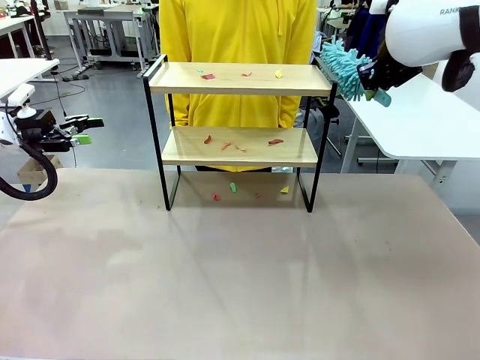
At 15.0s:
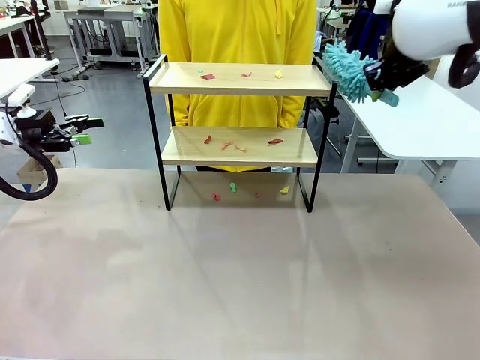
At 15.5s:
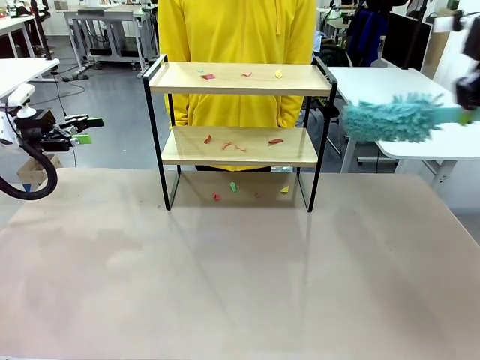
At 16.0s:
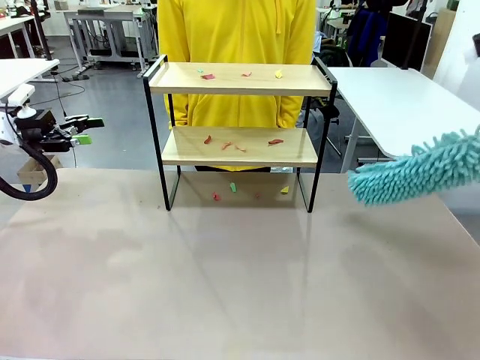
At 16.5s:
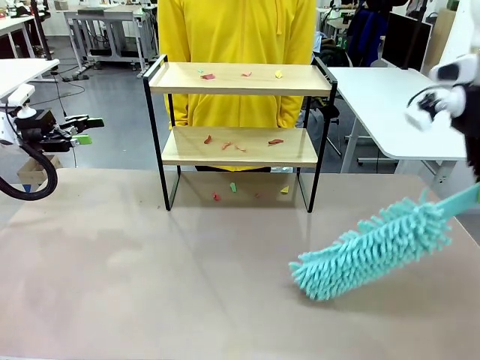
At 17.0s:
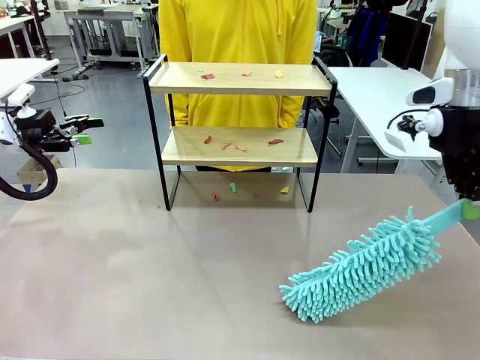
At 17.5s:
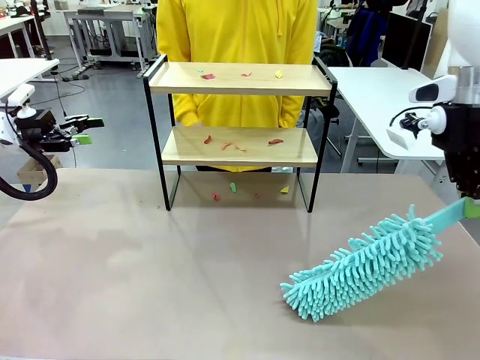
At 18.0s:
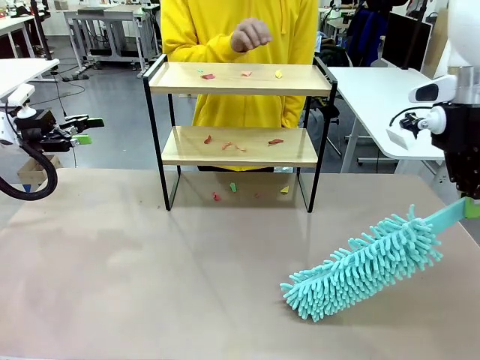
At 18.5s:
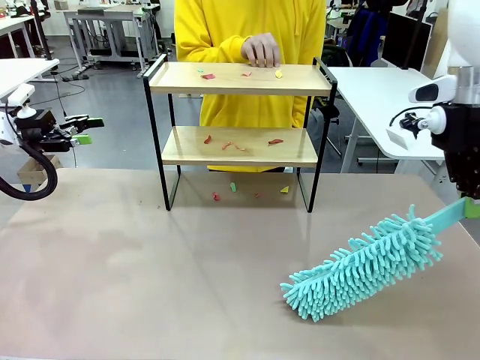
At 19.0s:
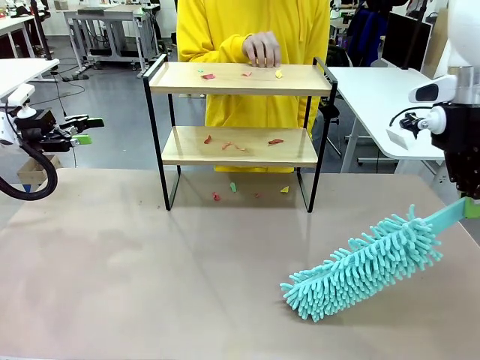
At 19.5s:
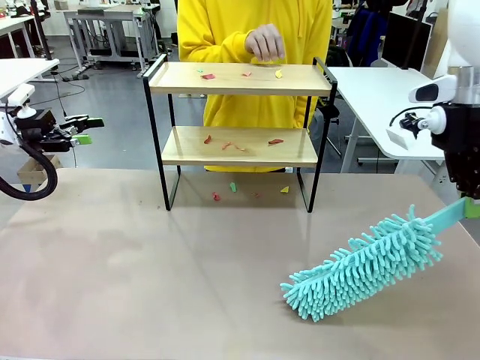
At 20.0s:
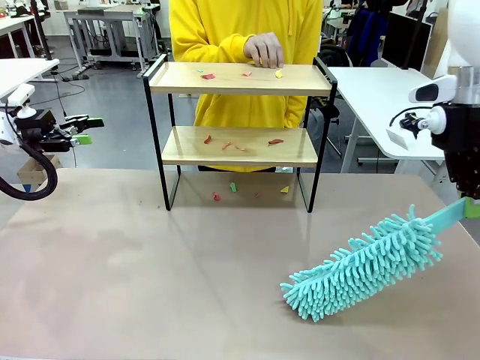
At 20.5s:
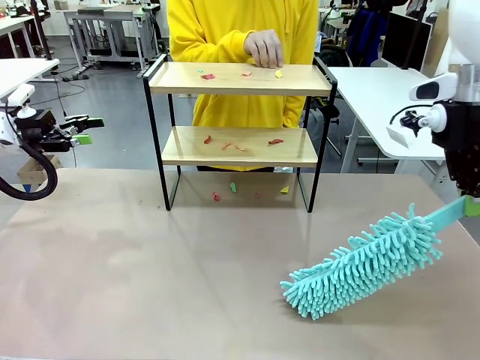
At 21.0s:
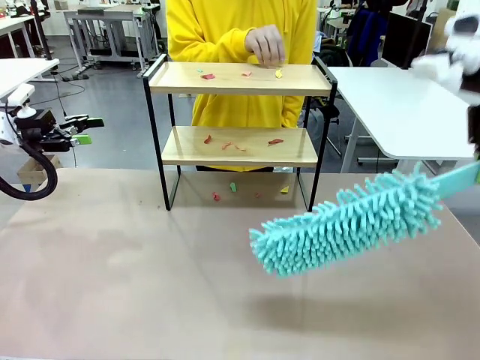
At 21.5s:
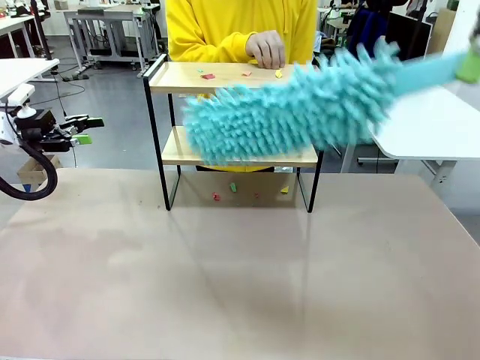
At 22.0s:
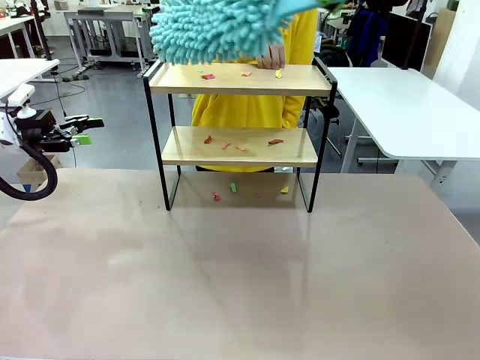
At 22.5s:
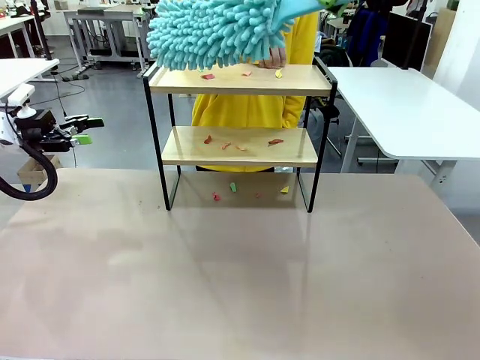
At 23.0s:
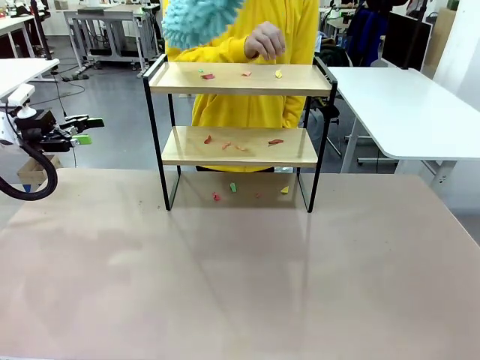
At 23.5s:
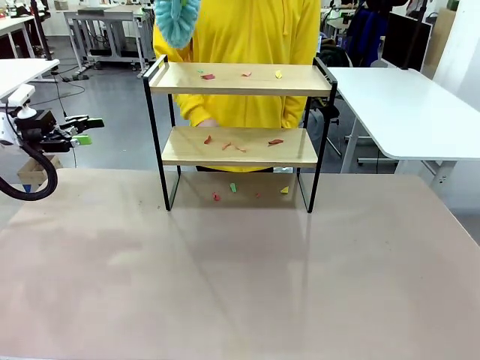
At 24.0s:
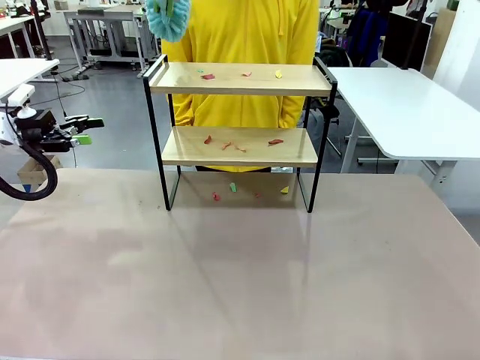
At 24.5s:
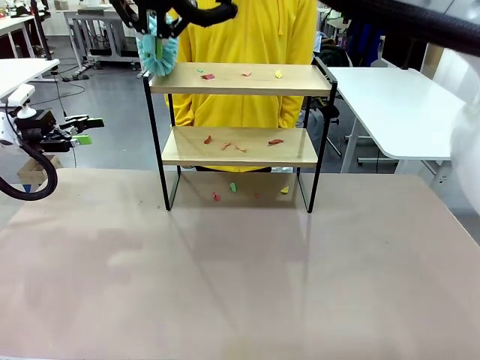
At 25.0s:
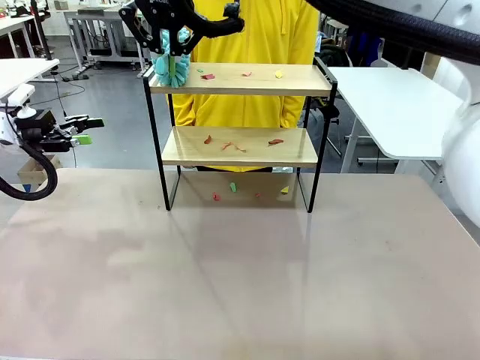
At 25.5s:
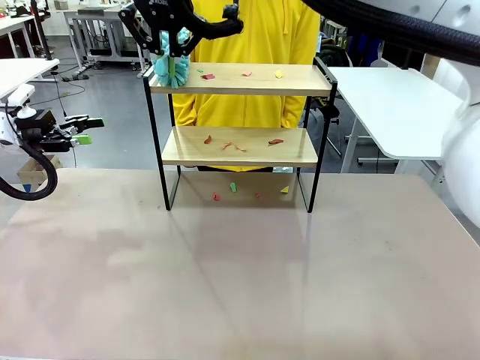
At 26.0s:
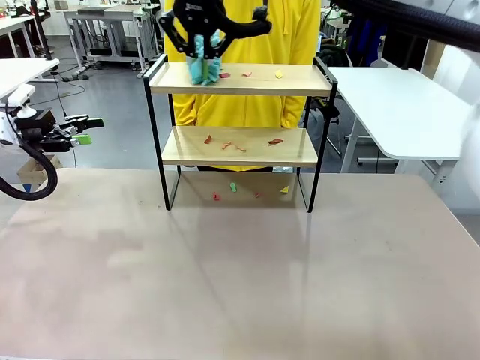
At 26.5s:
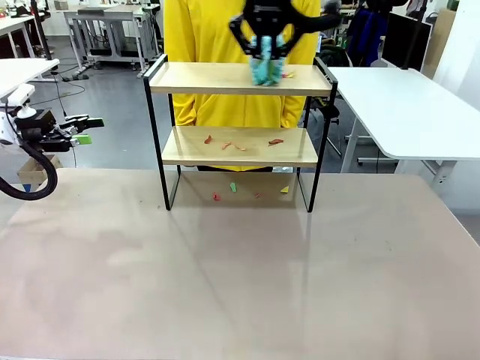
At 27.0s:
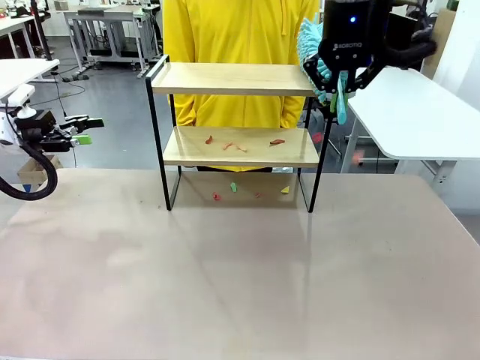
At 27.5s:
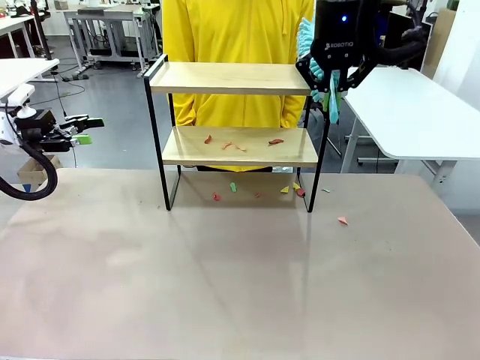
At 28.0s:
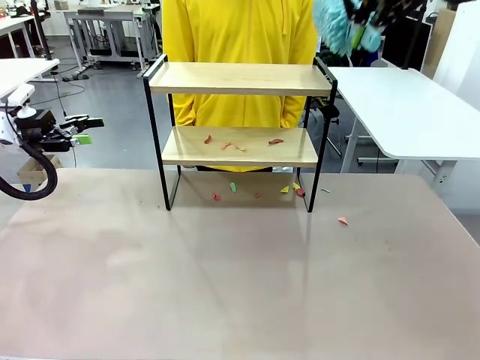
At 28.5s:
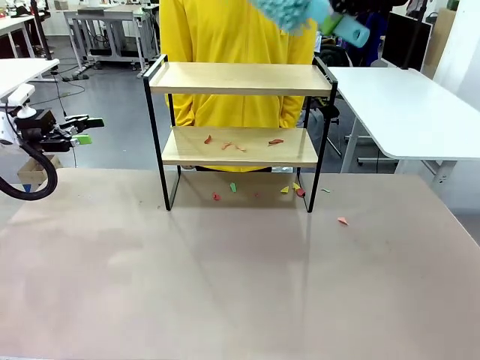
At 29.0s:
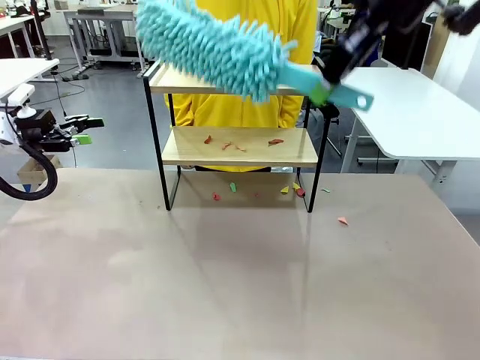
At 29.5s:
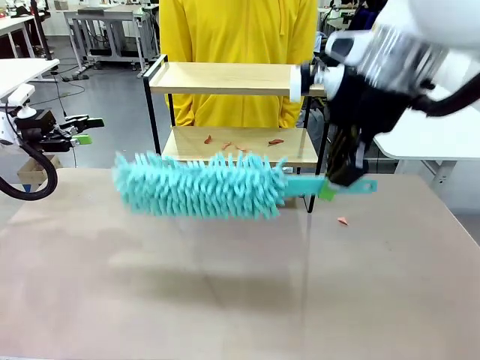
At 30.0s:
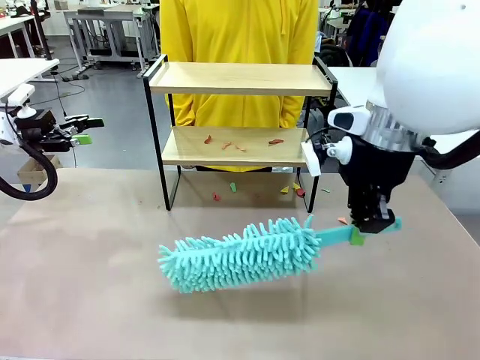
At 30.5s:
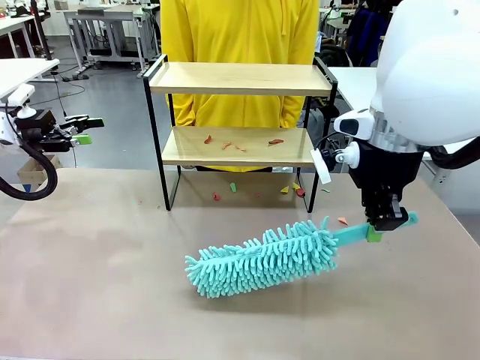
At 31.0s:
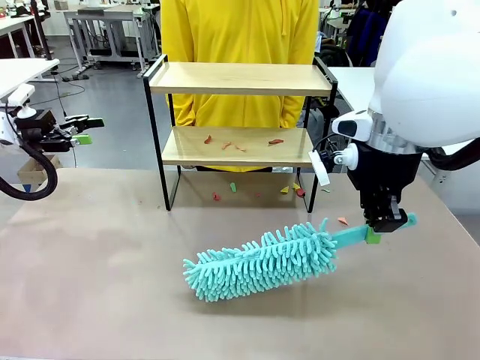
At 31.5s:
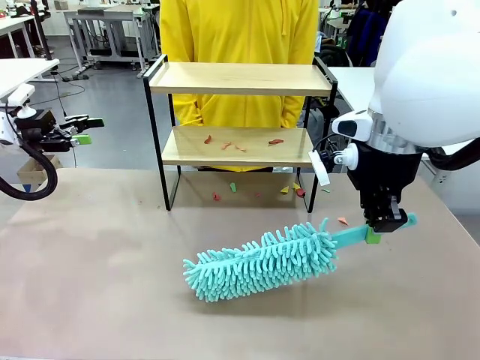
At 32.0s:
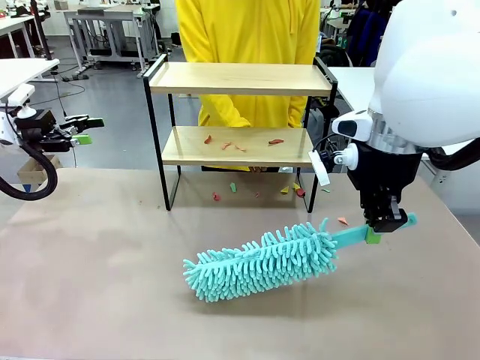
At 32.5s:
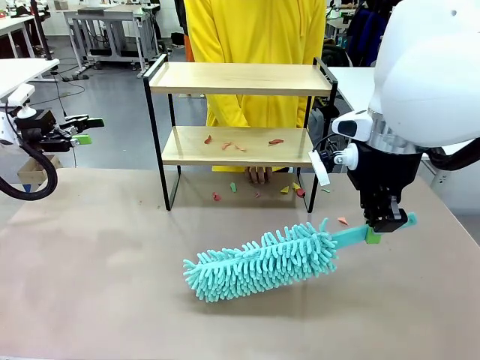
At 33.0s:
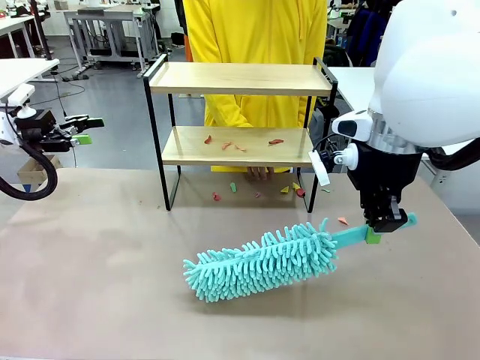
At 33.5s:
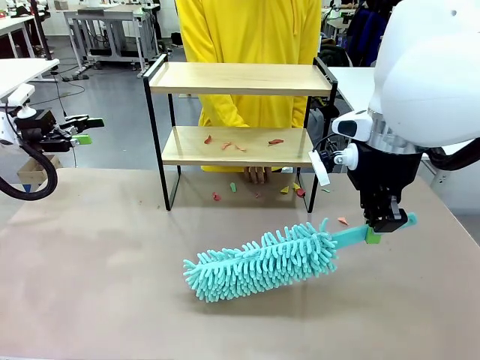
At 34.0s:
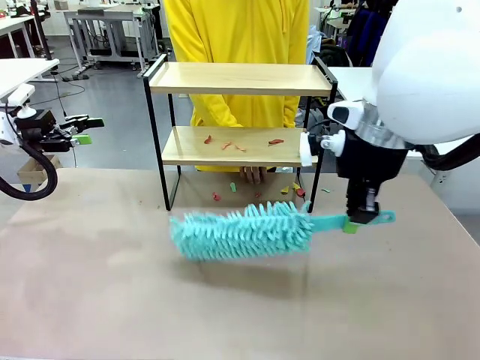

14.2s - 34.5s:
Task: Clean the shelf.
Robot: Clean the specific section of the Shelf indicated by the human with the Duster.
Person: Point a random section of the Shelf.

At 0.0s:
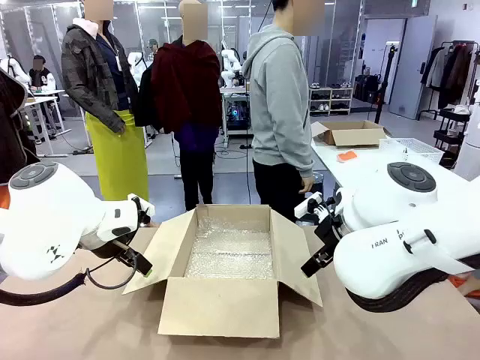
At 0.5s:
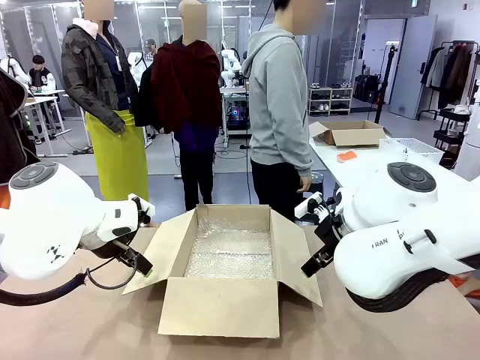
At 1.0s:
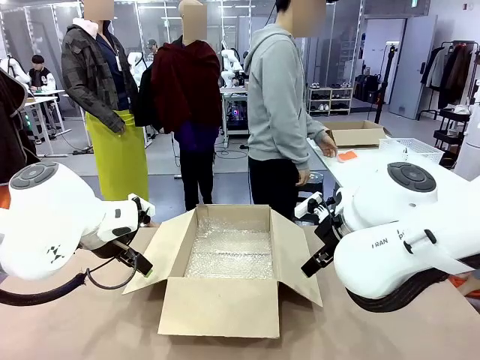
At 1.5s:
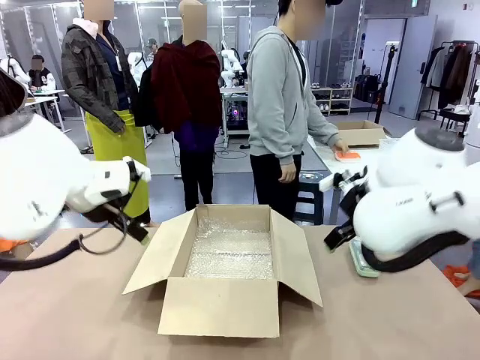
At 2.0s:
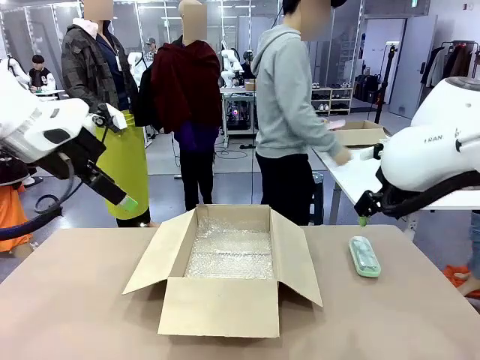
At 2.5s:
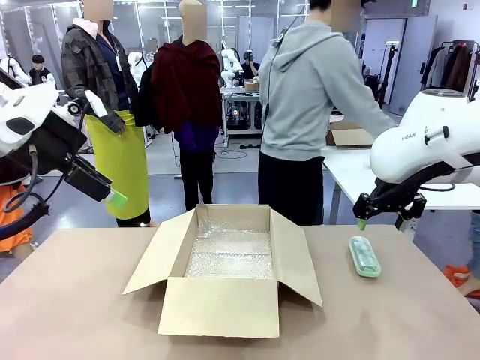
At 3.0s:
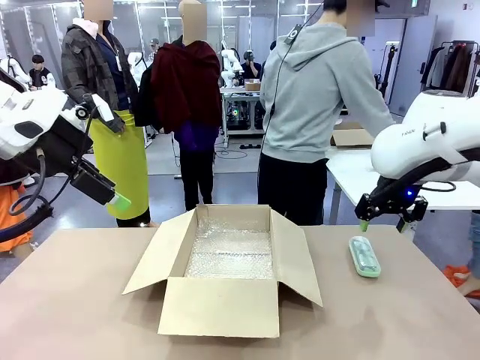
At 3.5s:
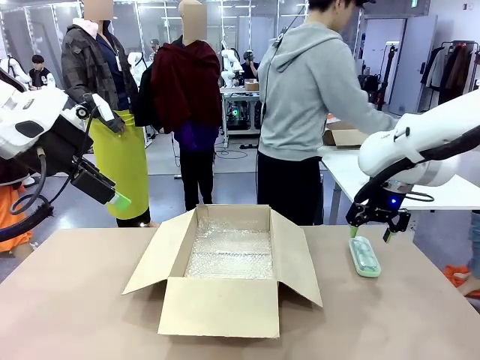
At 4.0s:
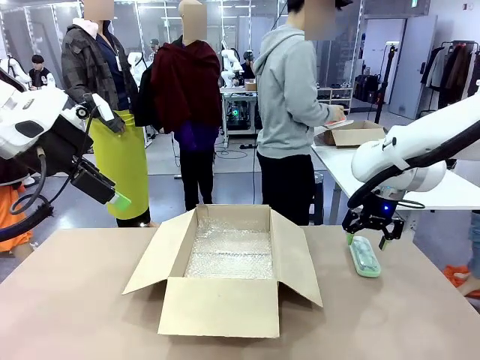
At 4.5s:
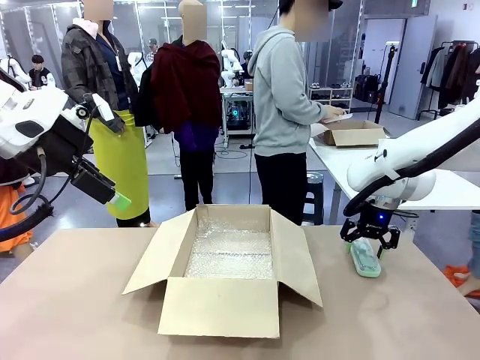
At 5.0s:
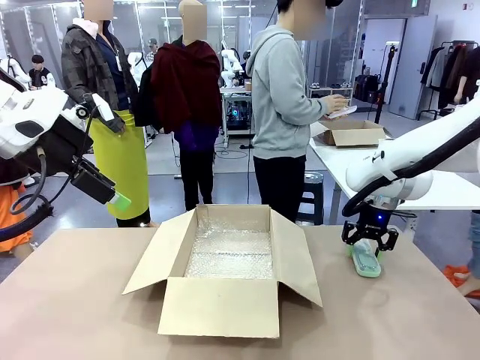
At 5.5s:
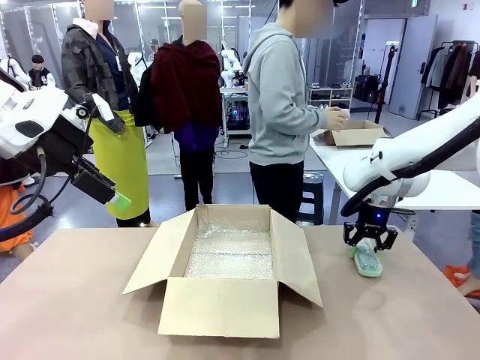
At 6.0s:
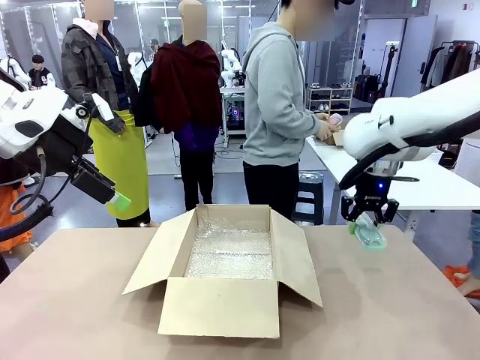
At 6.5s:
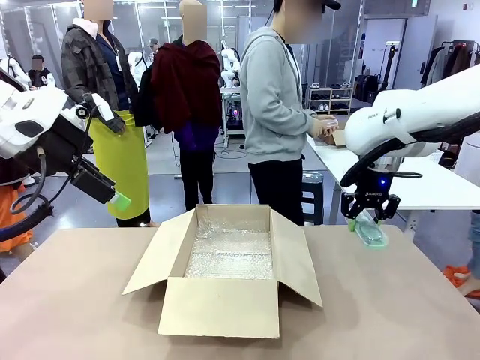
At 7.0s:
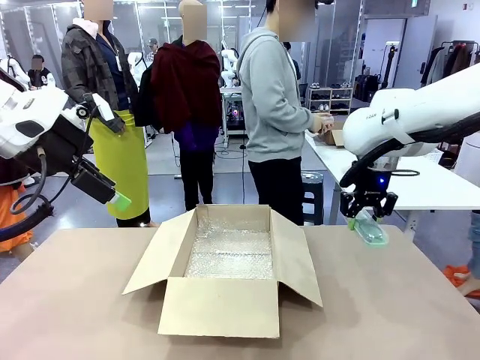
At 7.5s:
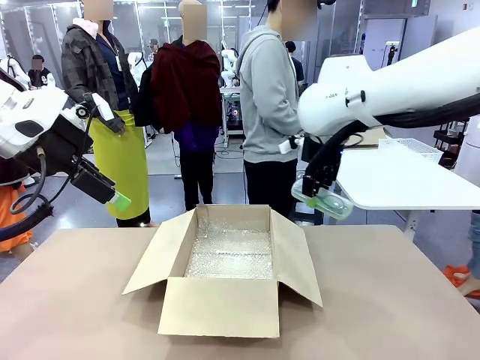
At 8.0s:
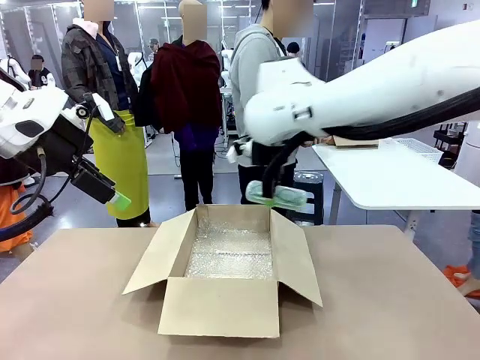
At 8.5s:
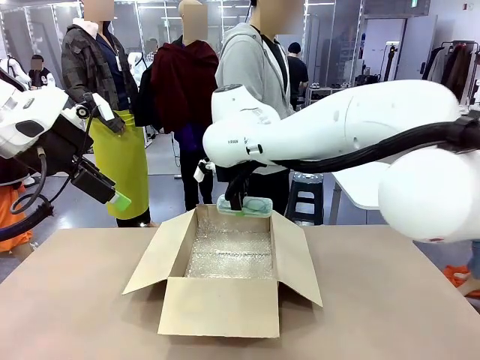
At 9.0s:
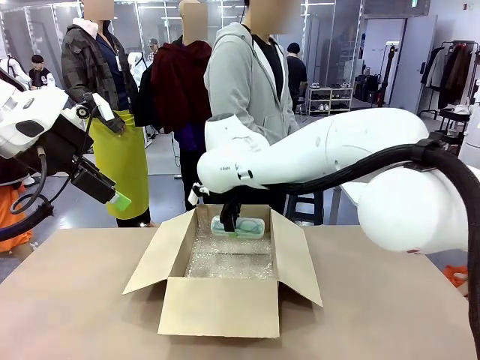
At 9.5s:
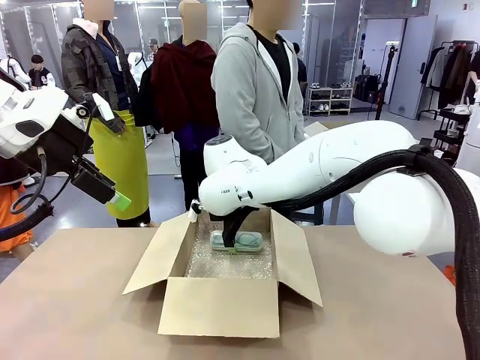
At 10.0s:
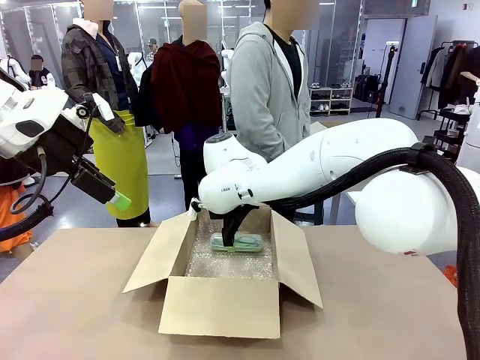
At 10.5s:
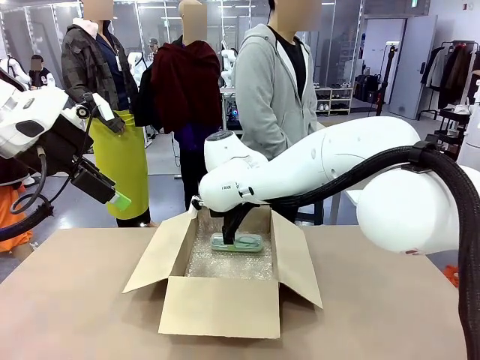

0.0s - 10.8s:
Task: Pack the glasses set securely to prepare it for shipping.
Robot: Place the Glasses case inside the Package Box.
Person: Place the Glasses inside the Glasses case.
